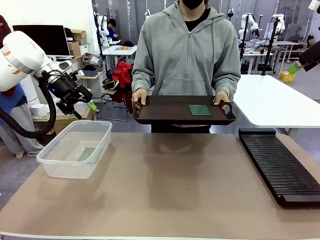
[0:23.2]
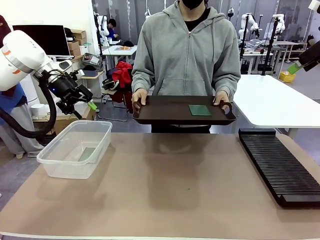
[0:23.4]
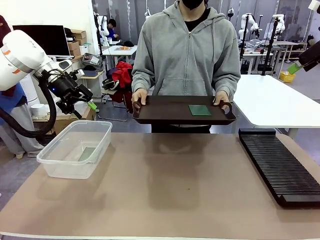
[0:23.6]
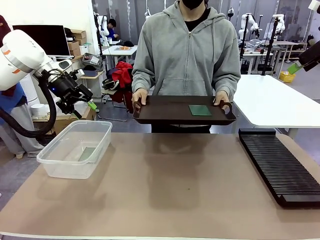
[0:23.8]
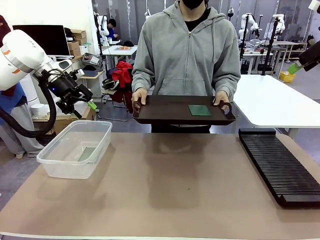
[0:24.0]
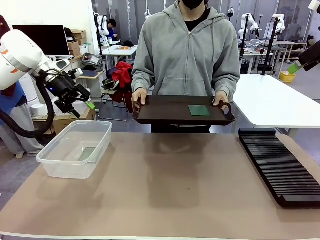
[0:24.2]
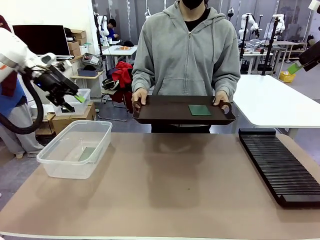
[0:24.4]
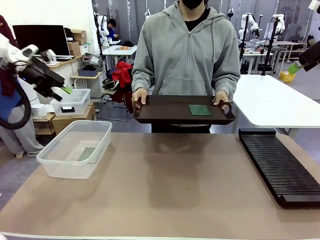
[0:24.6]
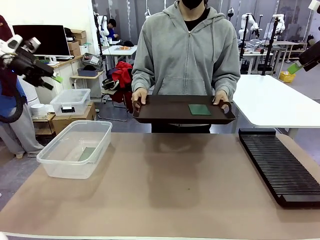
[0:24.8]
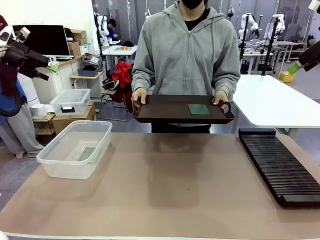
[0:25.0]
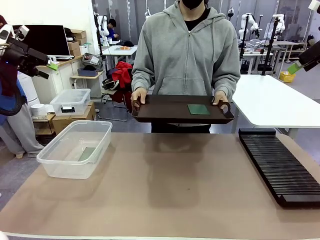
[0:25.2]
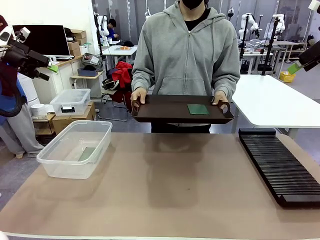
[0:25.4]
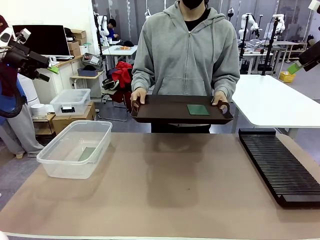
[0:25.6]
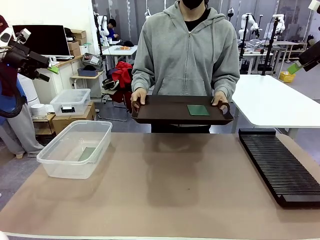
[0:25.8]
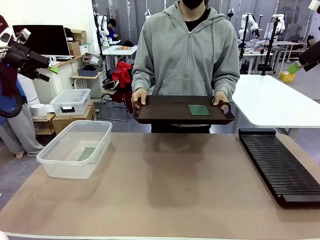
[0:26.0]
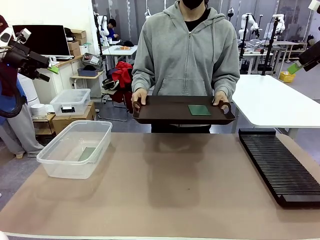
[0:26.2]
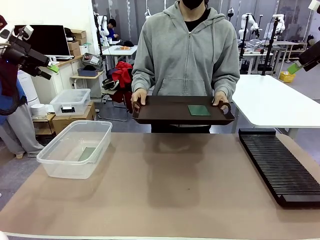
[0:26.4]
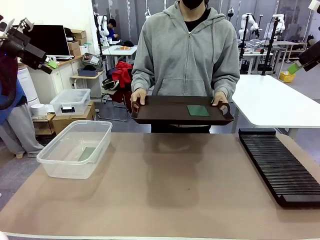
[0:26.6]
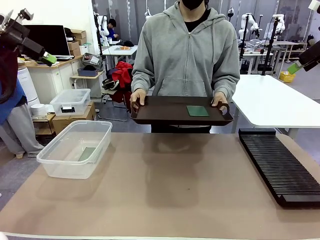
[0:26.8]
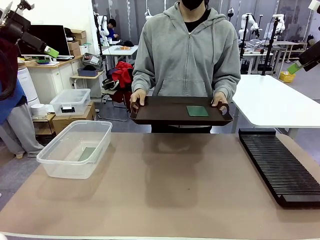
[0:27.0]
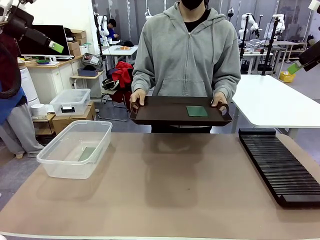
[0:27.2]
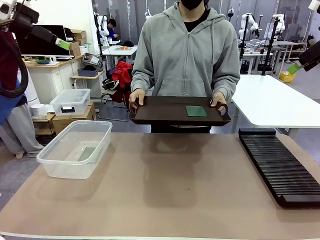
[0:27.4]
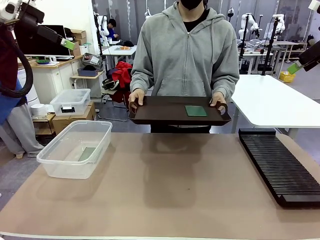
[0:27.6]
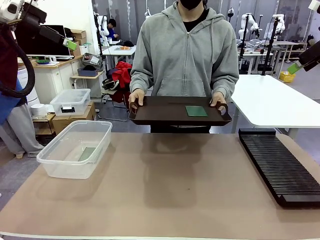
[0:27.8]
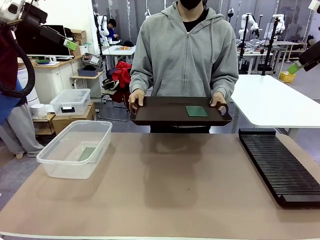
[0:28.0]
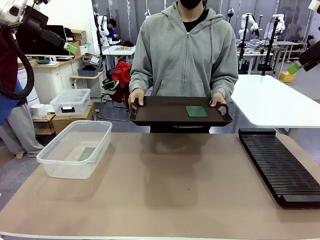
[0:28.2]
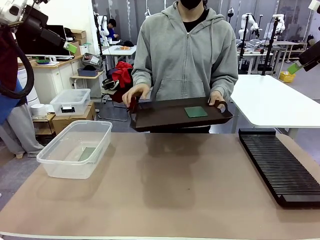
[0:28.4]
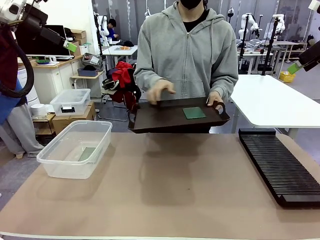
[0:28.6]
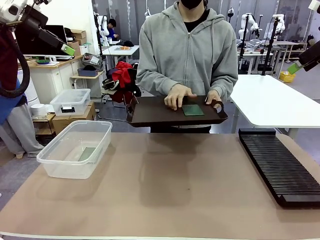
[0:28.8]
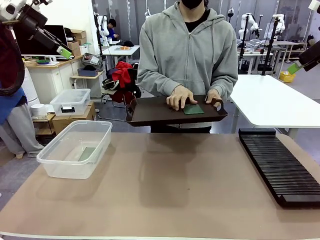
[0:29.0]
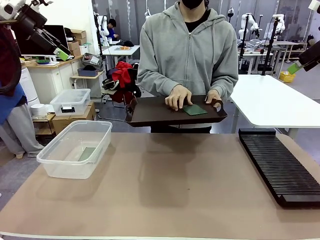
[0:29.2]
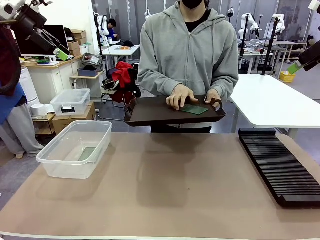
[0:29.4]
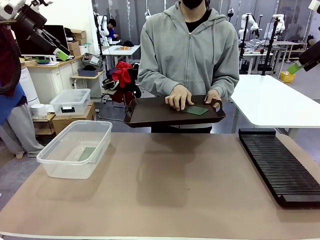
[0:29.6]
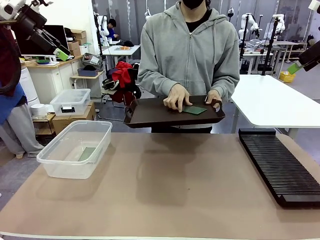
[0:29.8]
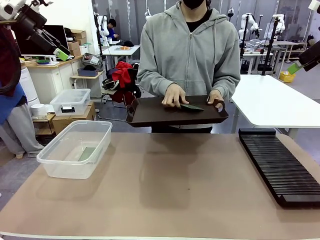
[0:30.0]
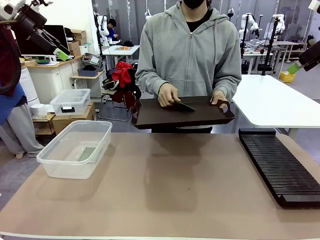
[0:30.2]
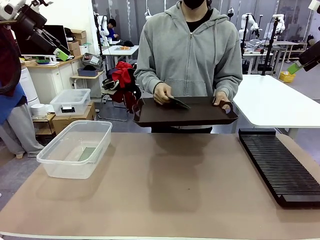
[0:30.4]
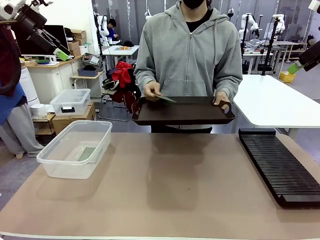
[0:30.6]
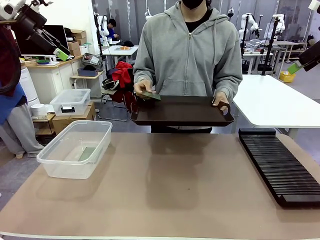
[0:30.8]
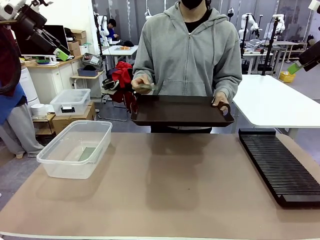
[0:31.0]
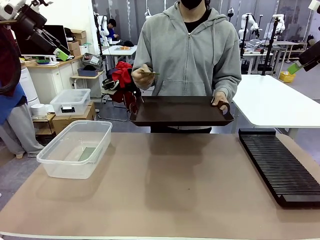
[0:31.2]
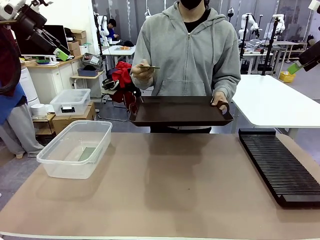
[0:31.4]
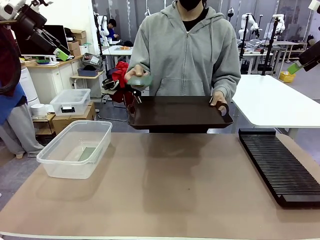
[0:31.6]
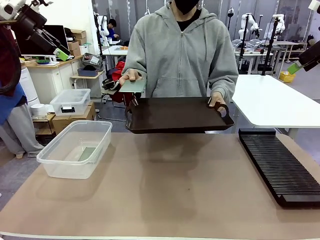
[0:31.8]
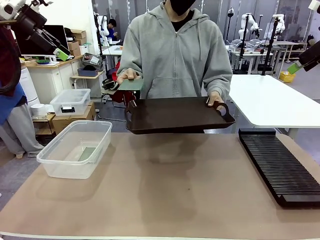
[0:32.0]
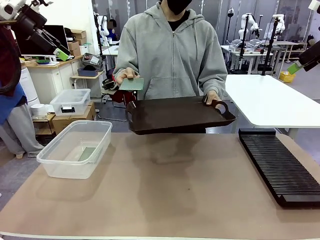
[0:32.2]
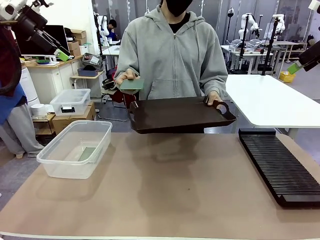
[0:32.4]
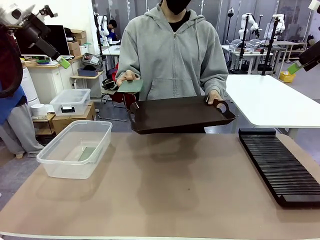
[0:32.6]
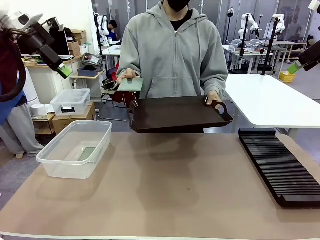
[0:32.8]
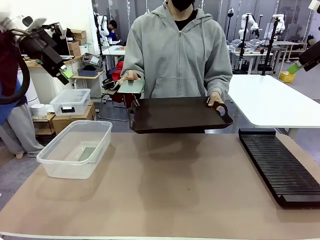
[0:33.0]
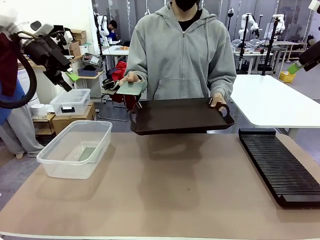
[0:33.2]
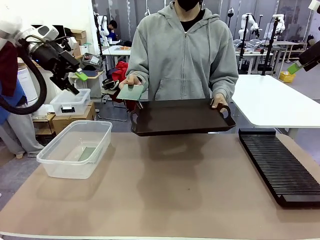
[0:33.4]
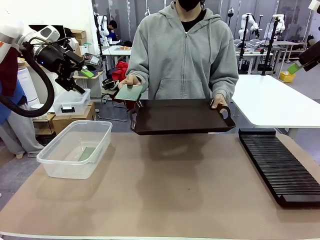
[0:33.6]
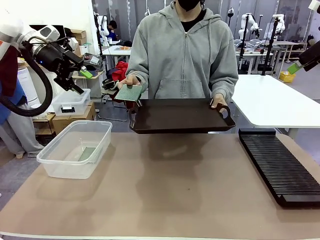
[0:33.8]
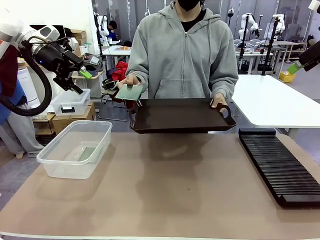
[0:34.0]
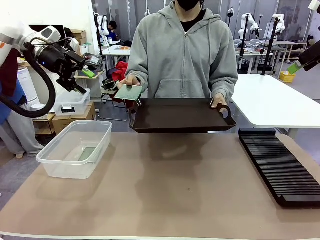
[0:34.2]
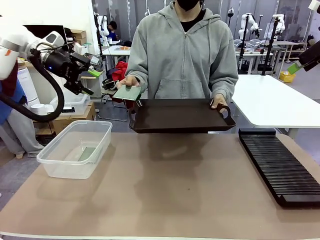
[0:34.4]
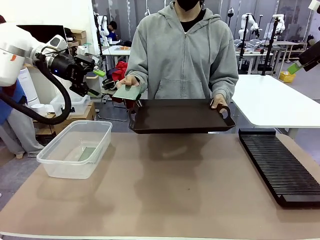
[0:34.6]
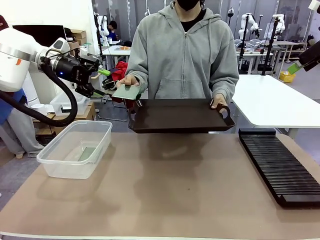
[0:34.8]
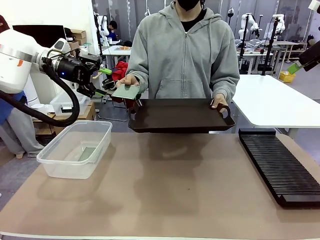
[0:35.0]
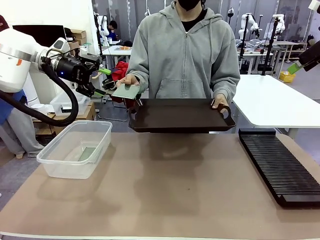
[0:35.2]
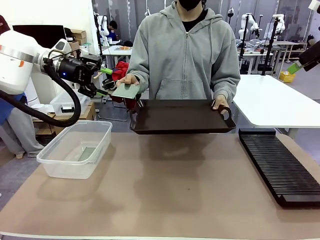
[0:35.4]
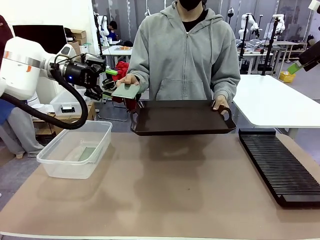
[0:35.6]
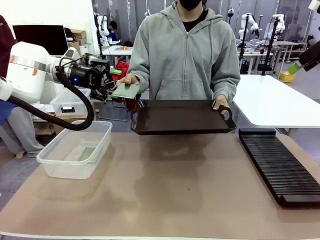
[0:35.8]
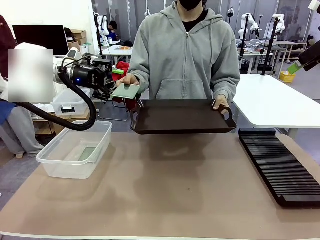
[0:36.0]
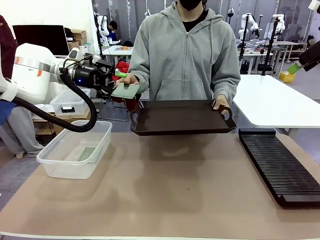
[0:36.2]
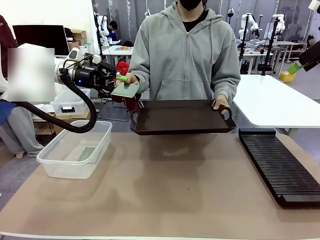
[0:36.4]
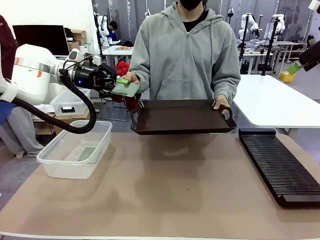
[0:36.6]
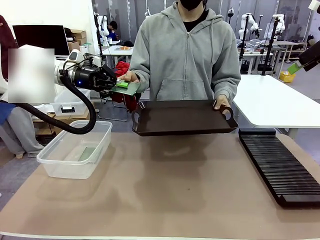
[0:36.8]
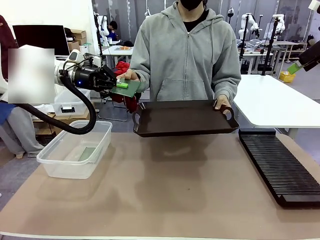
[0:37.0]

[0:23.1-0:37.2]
Task: Sort PCBs into racks and boxes based on the side picked up.
Robot: Pick up the Blank PCB handed by the Human.
Person: Pick one PCB from the tray and present it to the robot.
